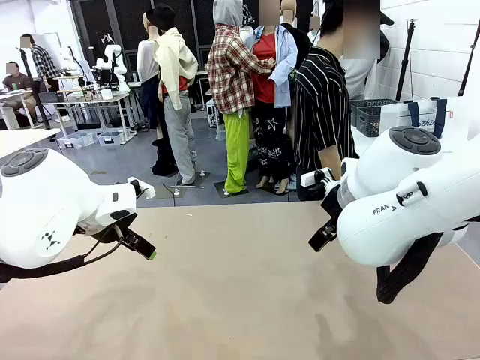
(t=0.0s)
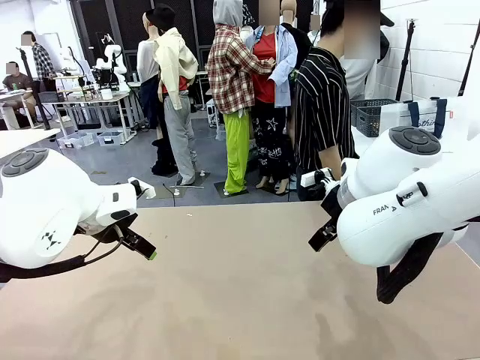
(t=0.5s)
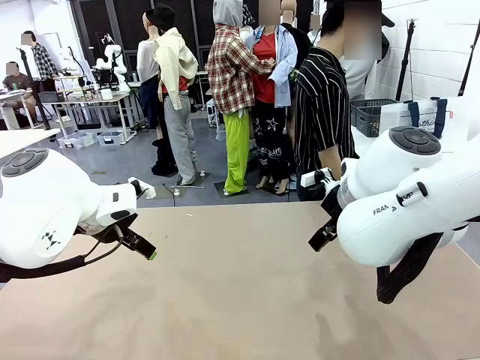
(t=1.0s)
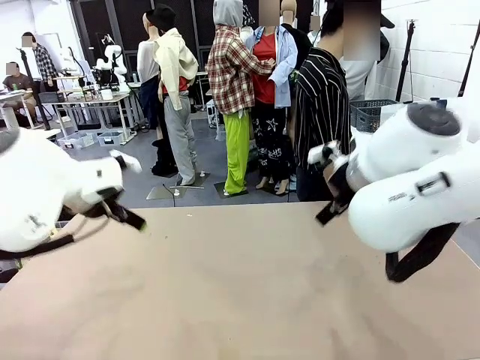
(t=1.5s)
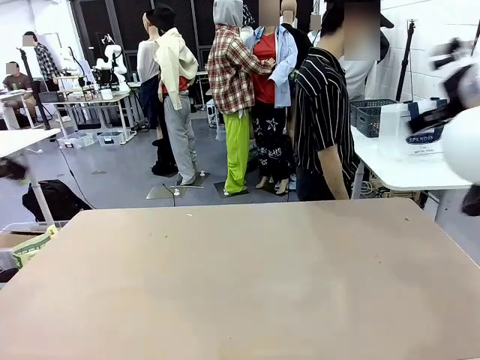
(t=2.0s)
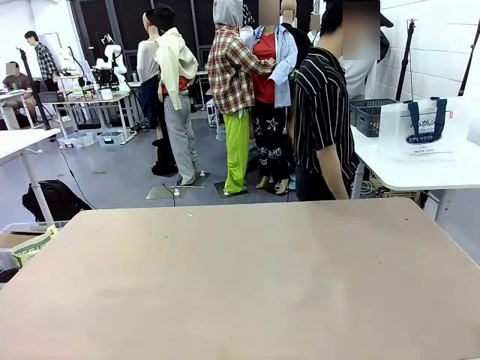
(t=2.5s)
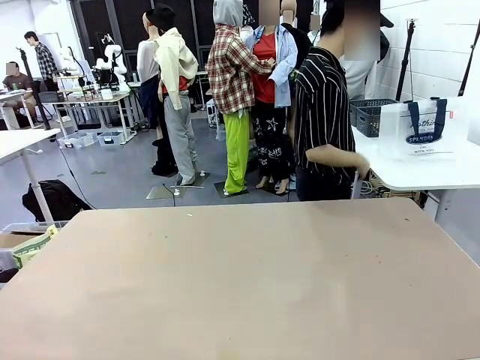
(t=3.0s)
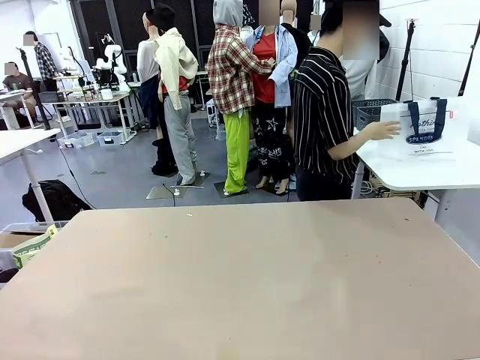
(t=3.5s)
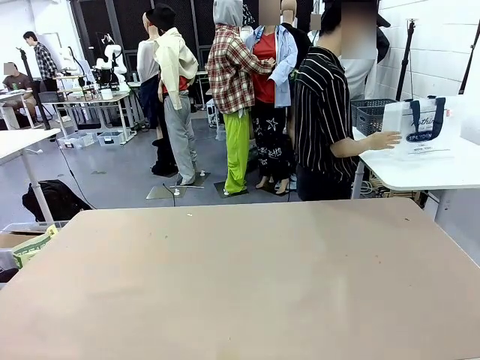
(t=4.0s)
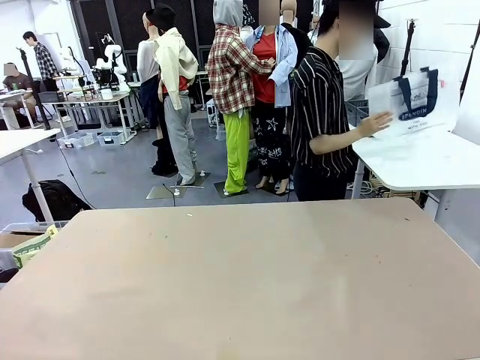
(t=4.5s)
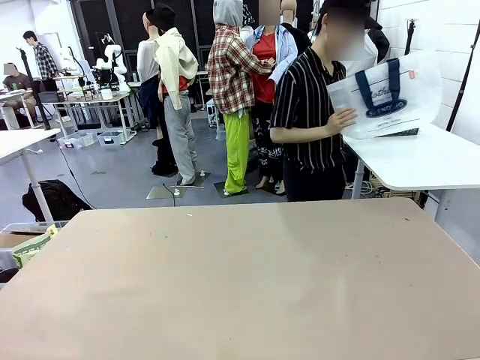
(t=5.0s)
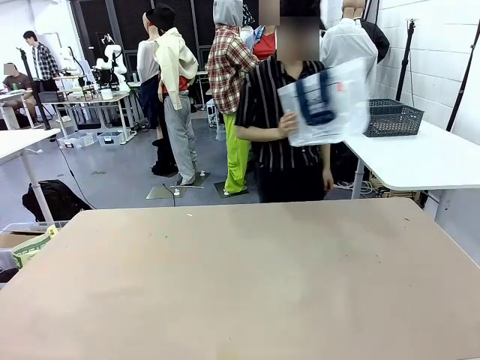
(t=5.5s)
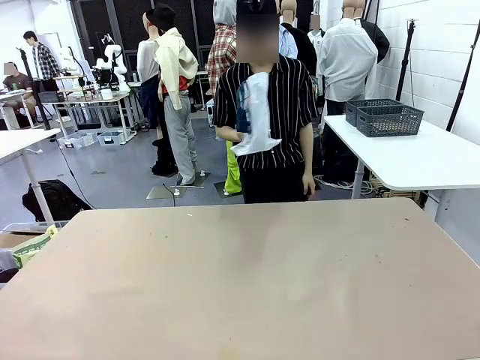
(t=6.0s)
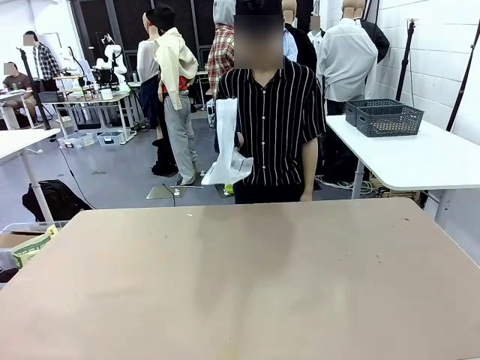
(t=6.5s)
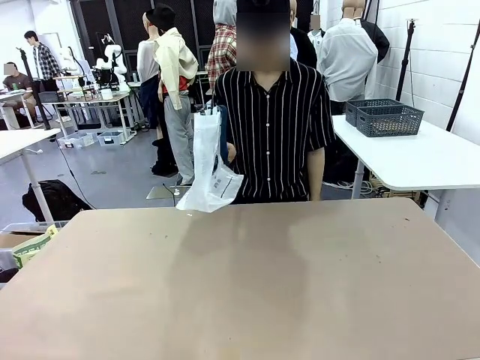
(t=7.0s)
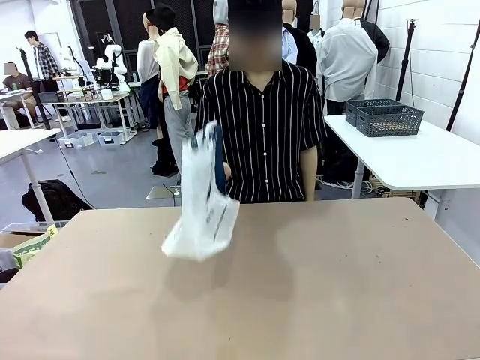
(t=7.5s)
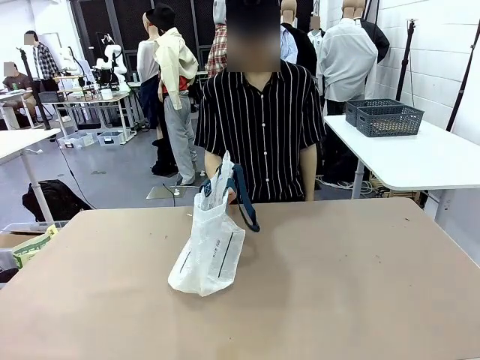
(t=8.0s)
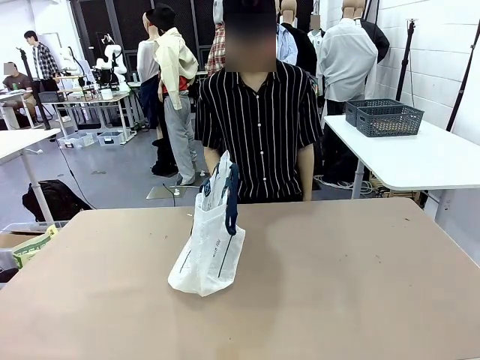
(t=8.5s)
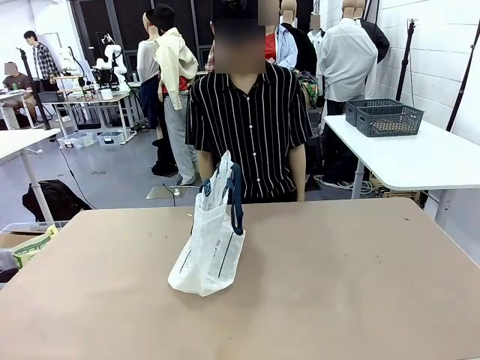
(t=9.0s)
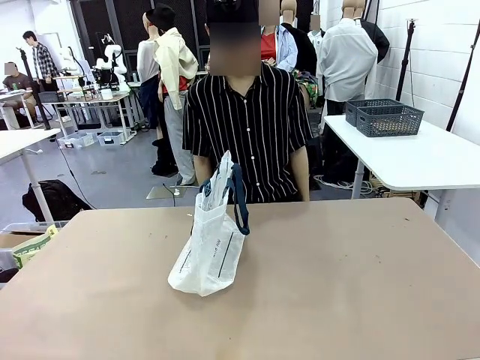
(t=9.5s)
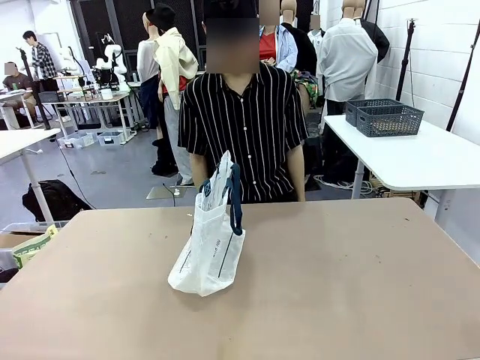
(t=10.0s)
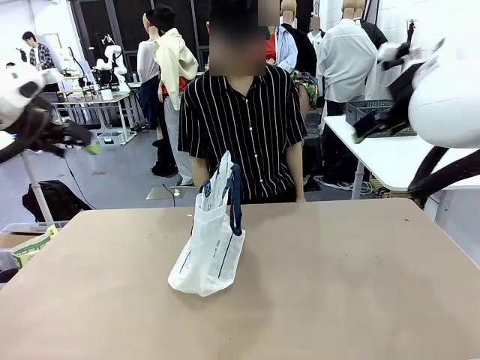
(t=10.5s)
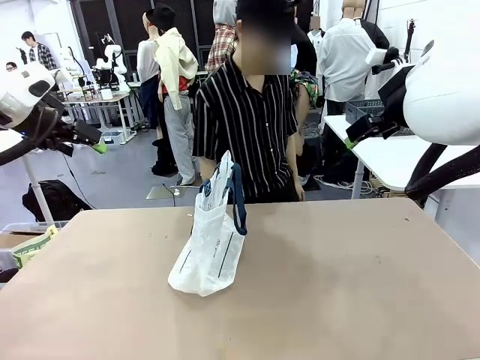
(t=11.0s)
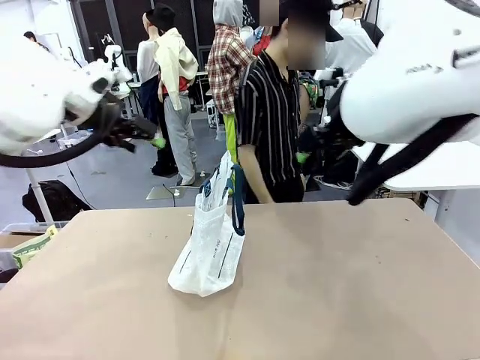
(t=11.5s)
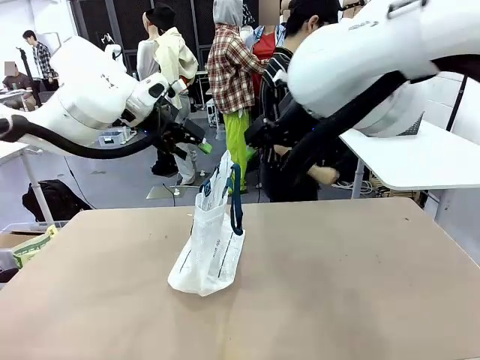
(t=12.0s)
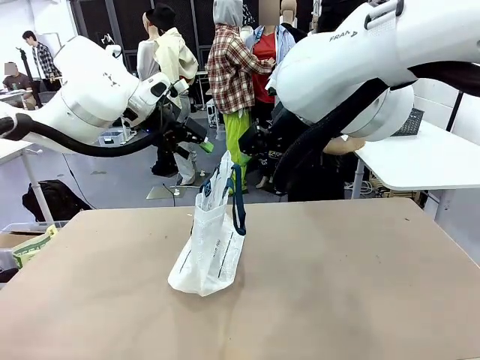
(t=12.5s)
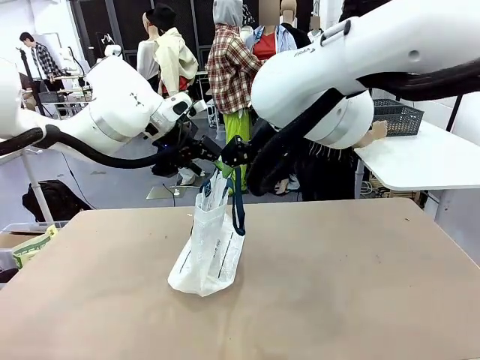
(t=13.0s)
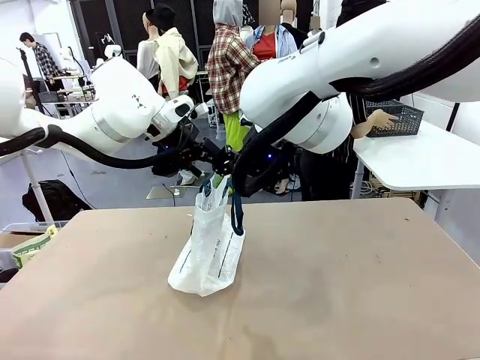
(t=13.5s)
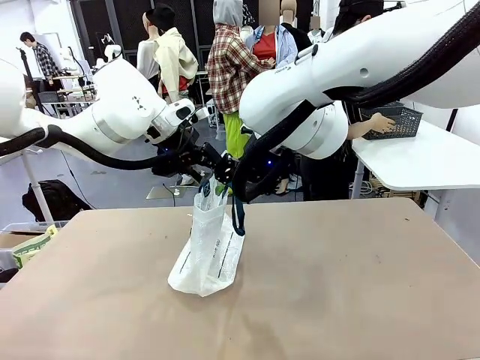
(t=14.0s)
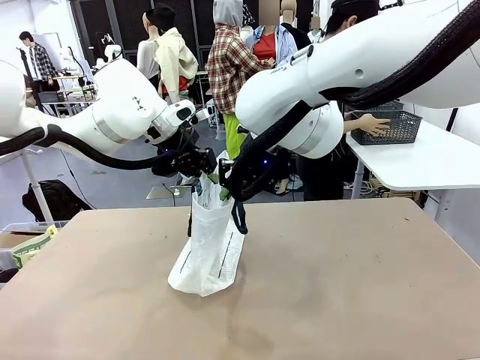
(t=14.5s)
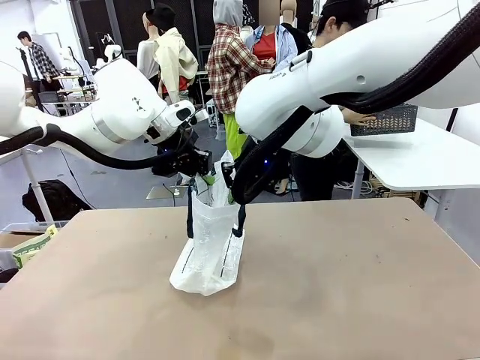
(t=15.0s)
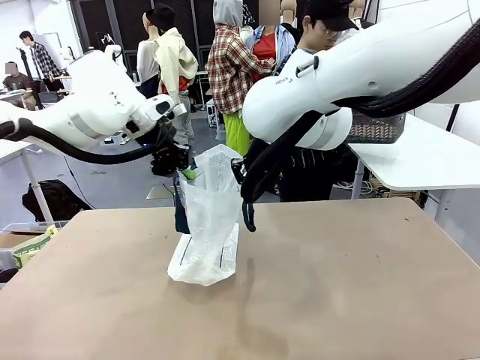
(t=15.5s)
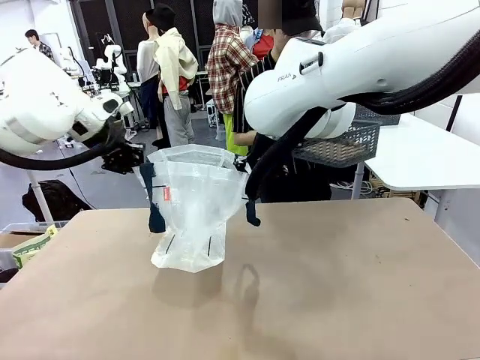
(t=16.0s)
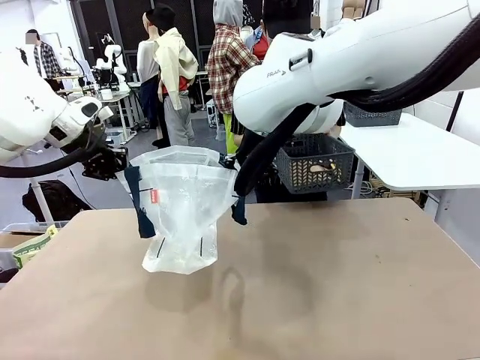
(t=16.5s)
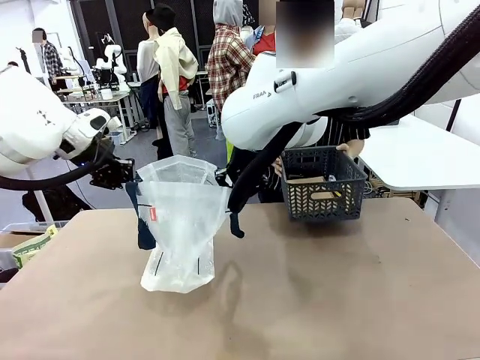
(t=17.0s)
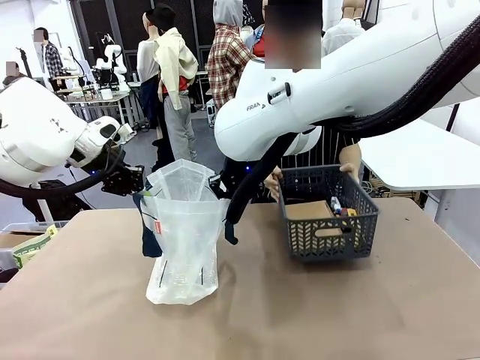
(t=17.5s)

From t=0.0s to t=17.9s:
Task: Transfer purchased items from the store into the shopping bag.
Robot: Open the Reusable shopping bag in the center of the table.
Person: Pick up the shopping bag and place it in the middle of the robot table. Pick up the basket on the right, place it on the left side of the robot table, and move the items in the basket to the shopping bag.

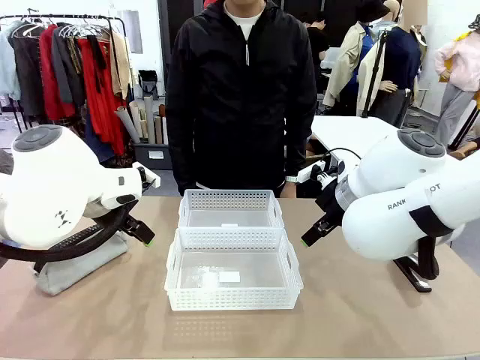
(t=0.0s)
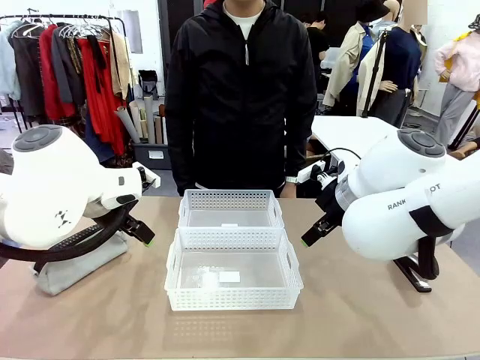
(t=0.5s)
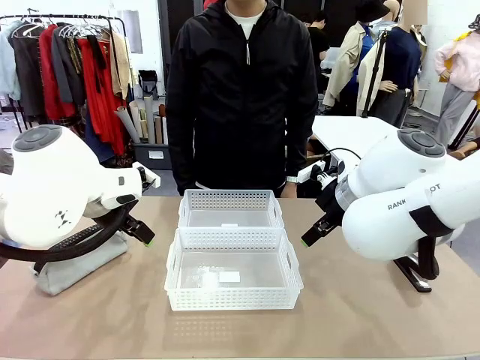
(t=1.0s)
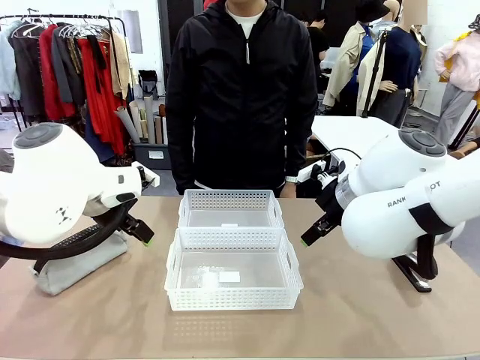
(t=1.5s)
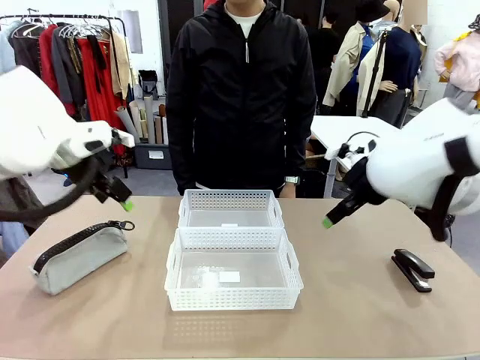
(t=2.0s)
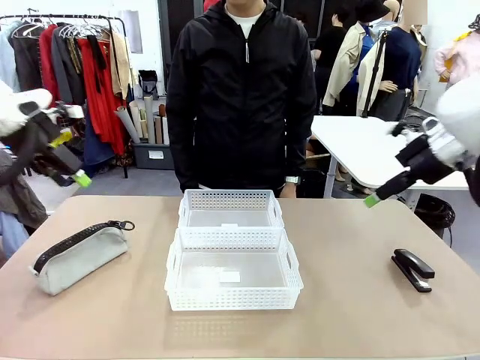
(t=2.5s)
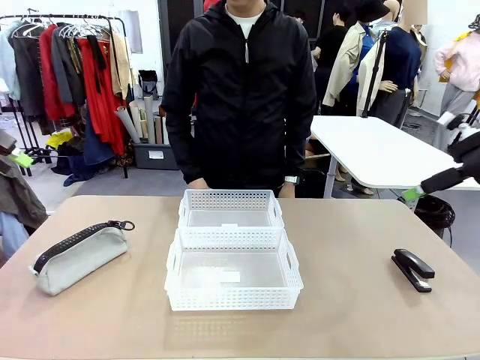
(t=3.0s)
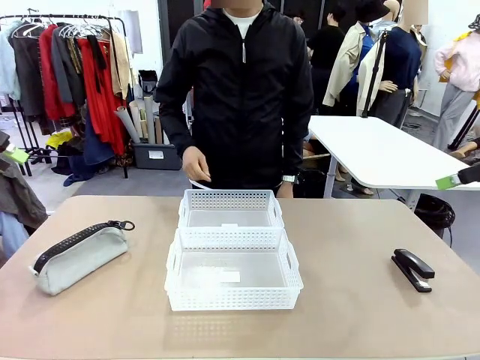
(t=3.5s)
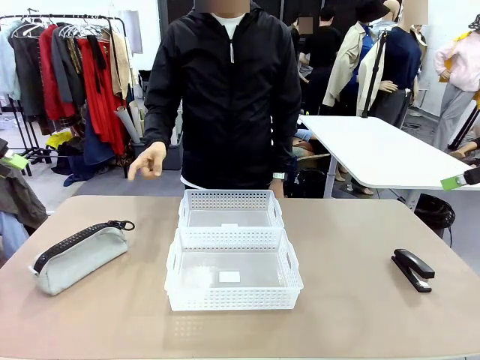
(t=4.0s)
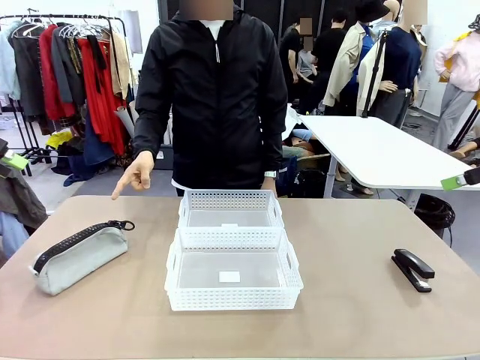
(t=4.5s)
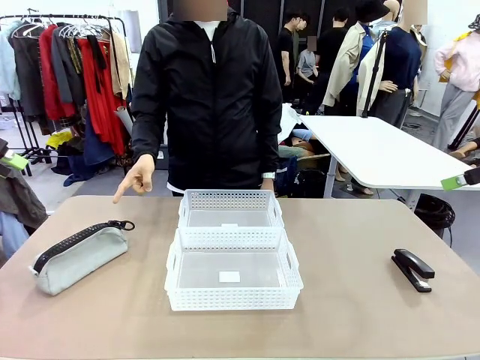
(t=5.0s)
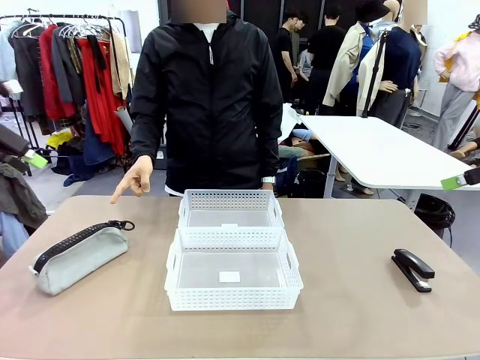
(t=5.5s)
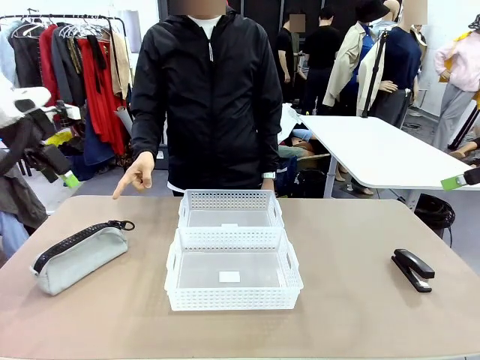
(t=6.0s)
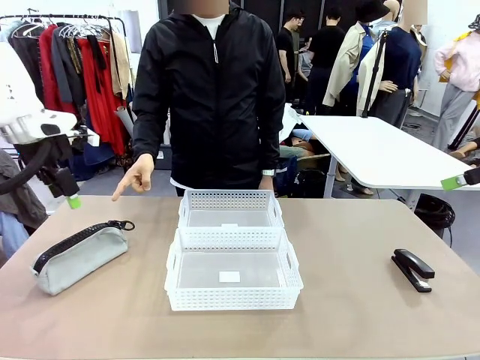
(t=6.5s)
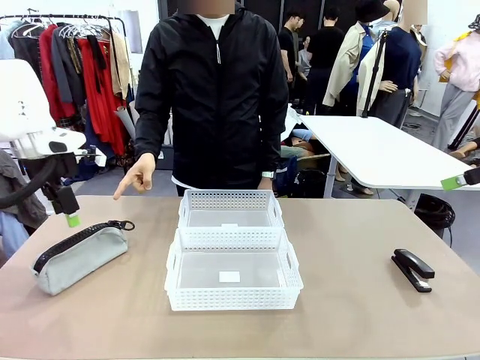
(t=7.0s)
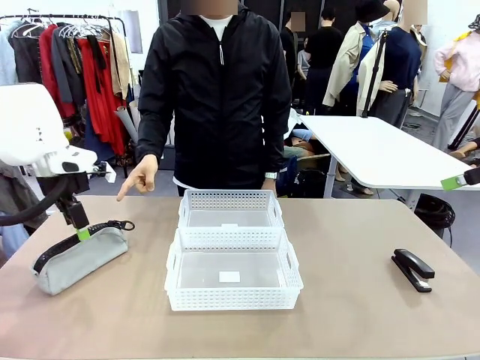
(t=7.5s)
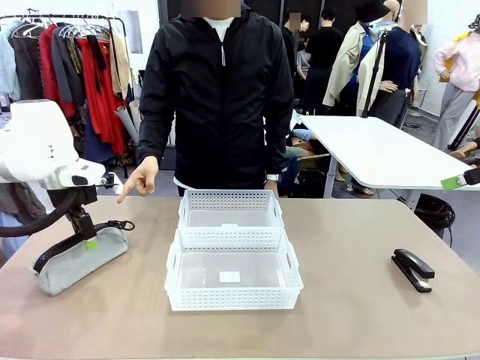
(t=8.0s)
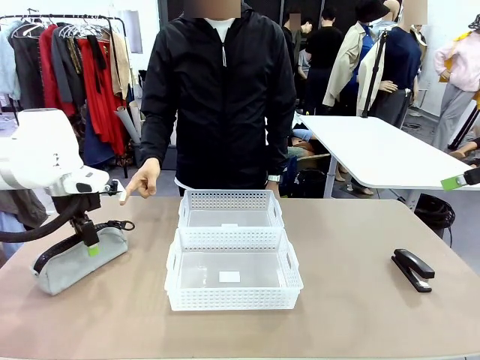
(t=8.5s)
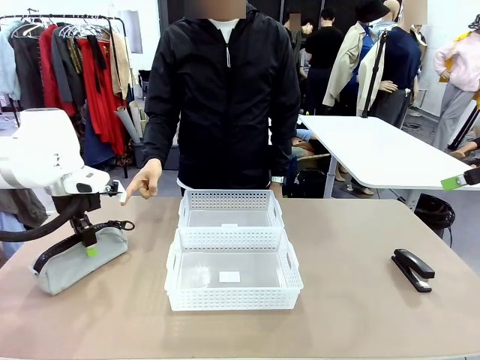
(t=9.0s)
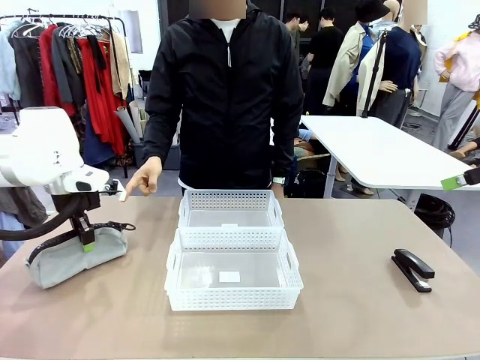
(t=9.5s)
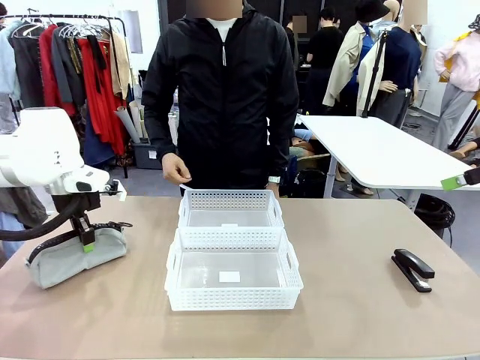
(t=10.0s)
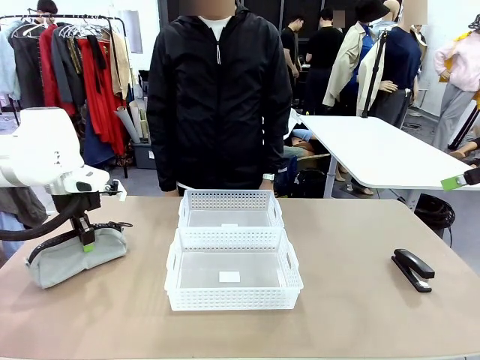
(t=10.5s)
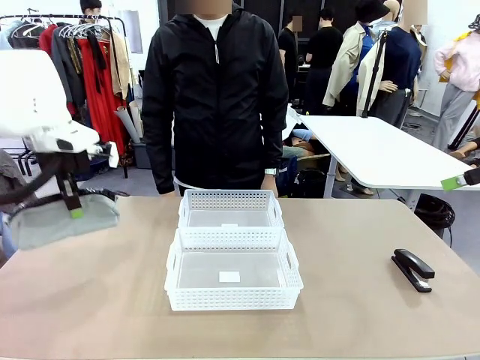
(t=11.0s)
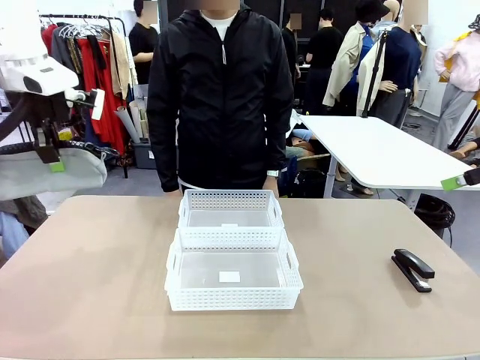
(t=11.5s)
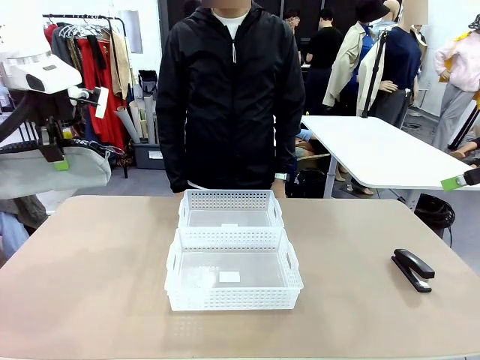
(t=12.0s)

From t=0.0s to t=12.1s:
Task: Distribute items into two baskets.
Robot: Pick up the Pencil pouch that the person points to.
Person: Points to the pencil case. Points between the two organizing baskets and instructs the robot to move the pencil case.
